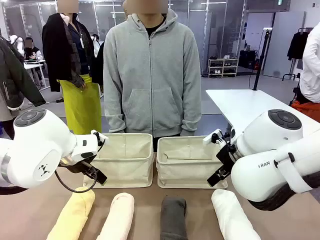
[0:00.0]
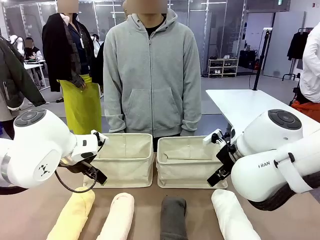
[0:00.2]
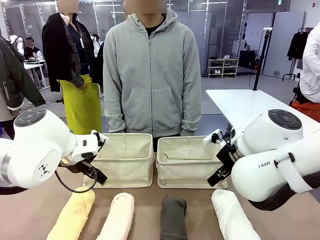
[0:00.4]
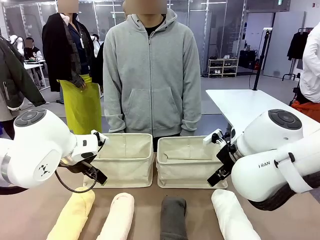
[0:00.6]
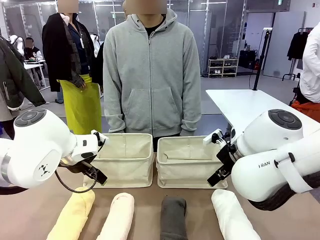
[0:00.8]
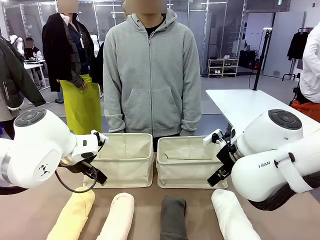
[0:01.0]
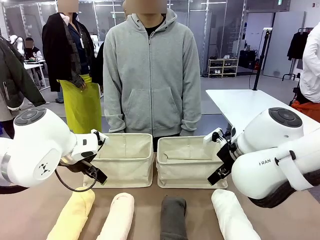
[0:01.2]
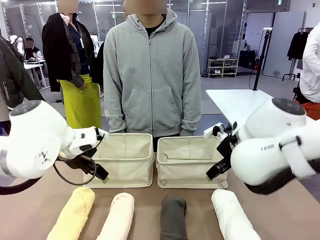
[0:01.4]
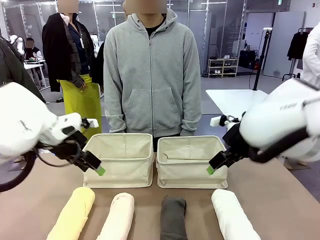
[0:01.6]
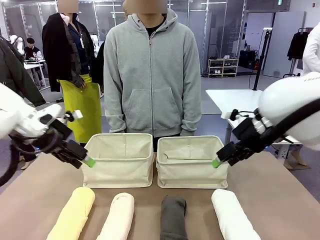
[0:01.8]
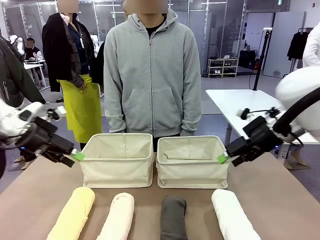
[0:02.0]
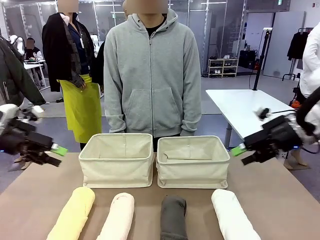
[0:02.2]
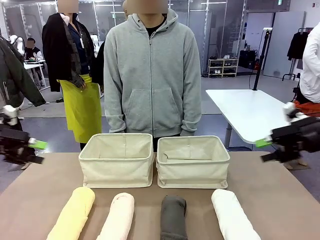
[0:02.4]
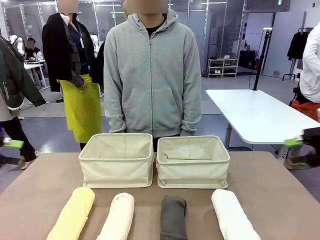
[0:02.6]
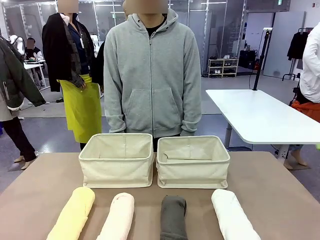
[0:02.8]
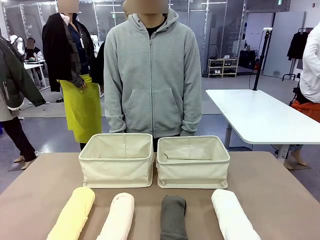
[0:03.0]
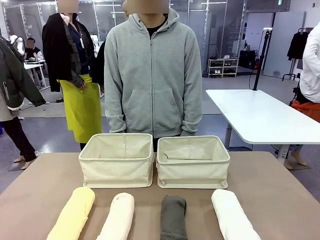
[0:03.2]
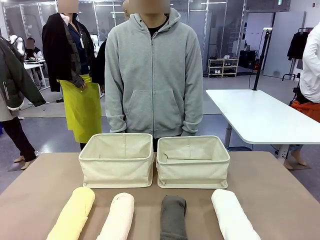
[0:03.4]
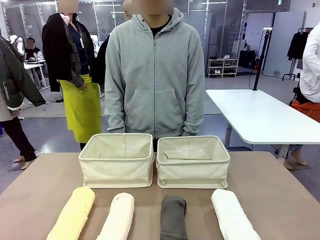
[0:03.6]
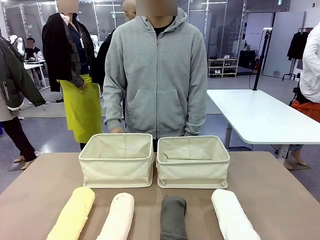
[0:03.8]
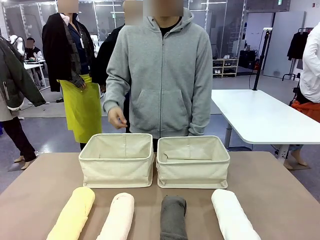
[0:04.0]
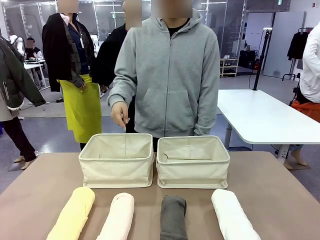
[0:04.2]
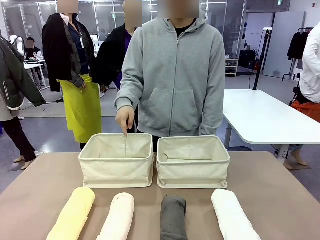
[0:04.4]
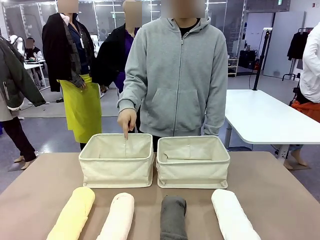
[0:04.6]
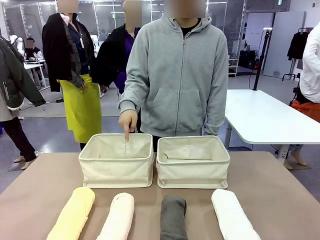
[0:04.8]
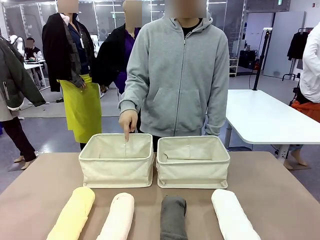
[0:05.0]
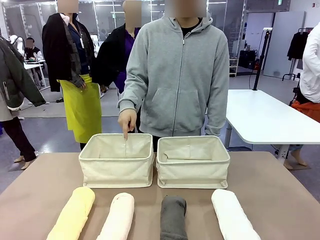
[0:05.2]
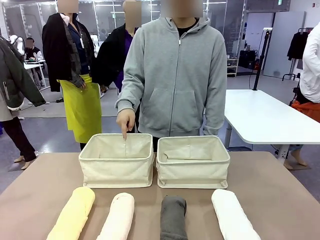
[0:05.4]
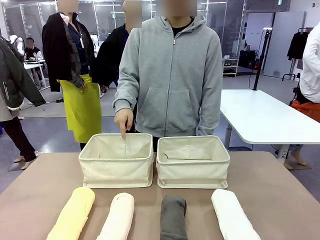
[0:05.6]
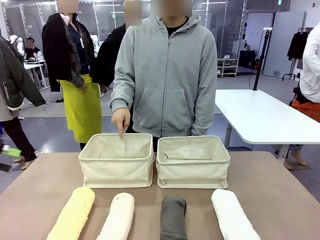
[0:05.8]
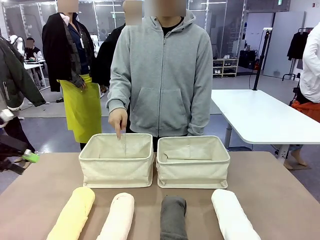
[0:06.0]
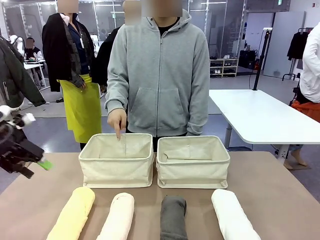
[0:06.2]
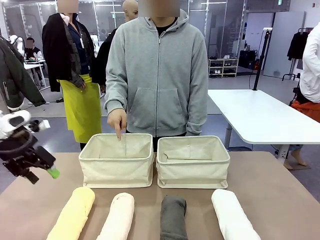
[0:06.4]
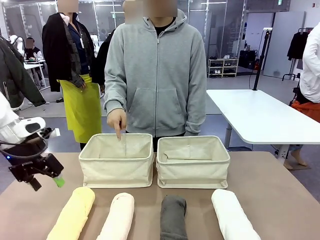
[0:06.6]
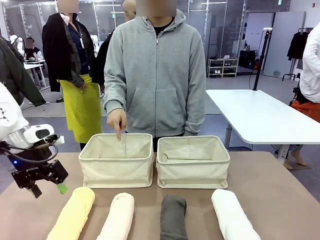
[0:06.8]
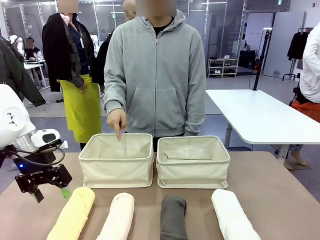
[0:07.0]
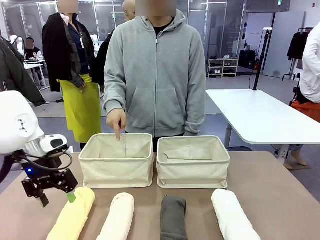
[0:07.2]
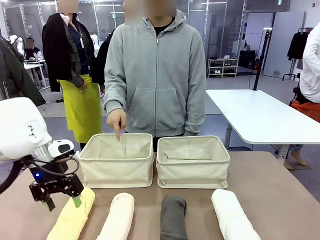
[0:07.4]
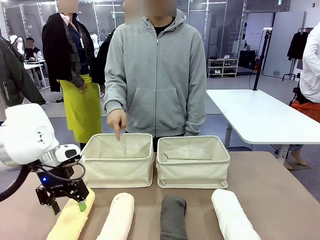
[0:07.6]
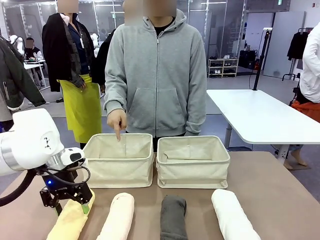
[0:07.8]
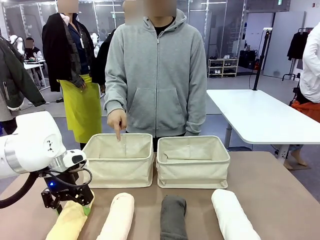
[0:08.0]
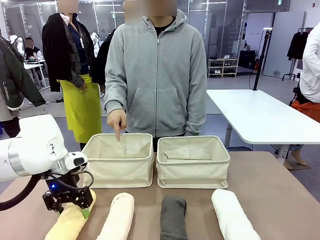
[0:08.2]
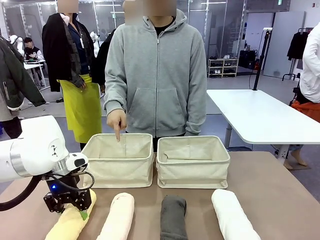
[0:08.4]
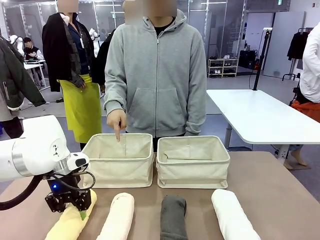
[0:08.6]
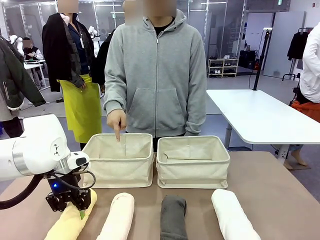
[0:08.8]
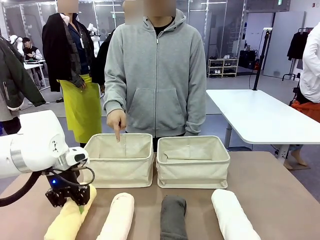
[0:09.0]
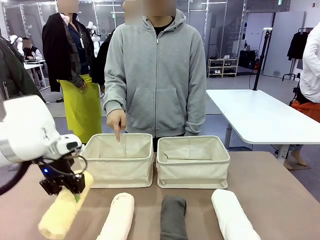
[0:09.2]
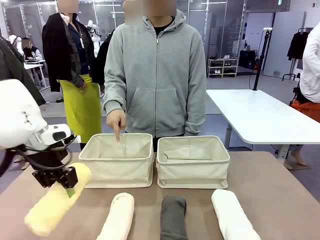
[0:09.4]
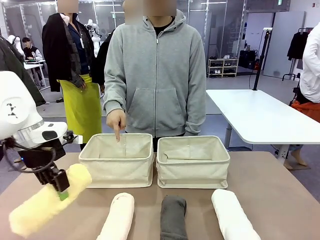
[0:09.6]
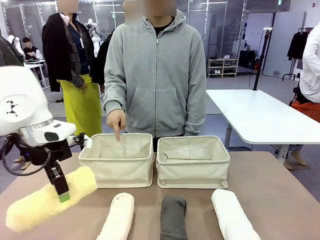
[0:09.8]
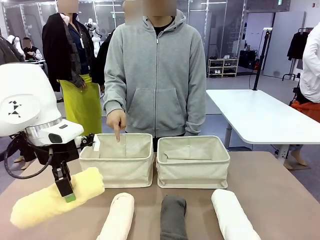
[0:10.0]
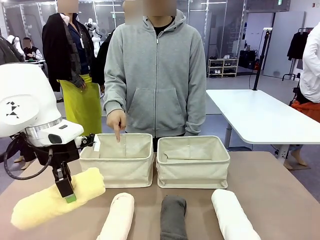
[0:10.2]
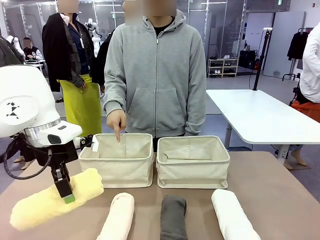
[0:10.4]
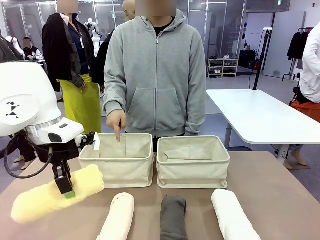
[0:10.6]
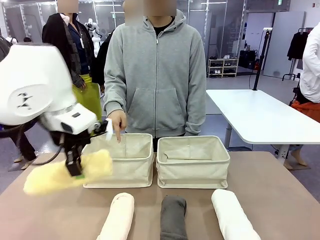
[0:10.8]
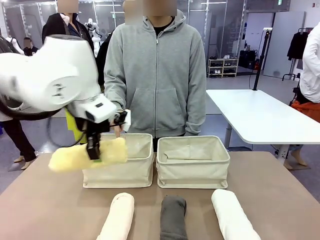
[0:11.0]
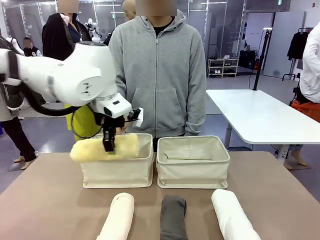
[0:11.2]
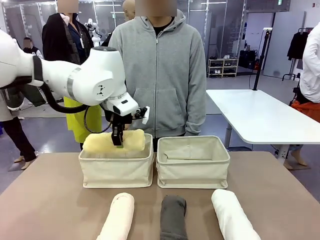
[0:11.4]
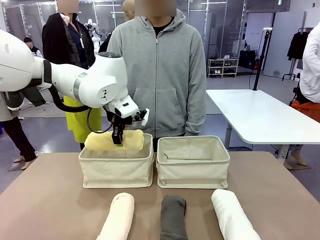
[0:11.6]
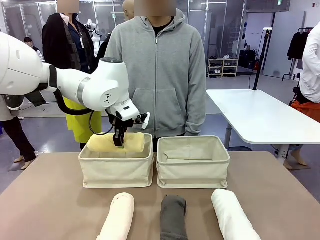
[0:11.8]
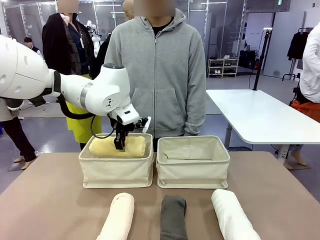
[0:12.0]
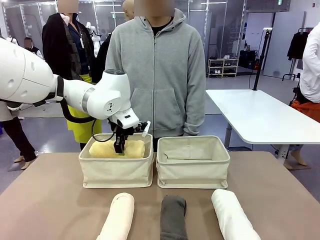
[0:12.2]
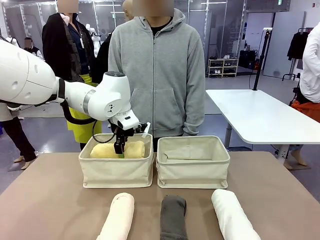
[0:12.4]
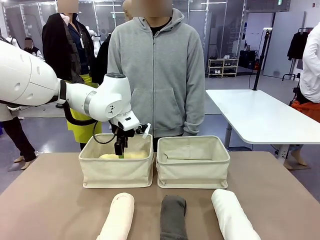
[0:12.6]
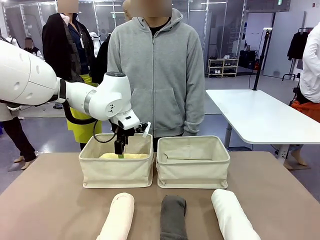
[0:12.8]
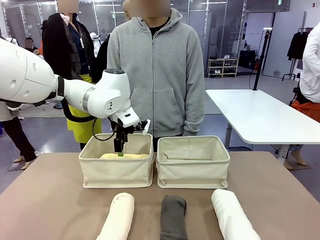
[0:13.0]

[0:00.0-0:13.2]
Task: Divide the towels into two baskets.
Robot: Pick up one hotel-folded towel and place it in the Fabric basket indicated by the person.
